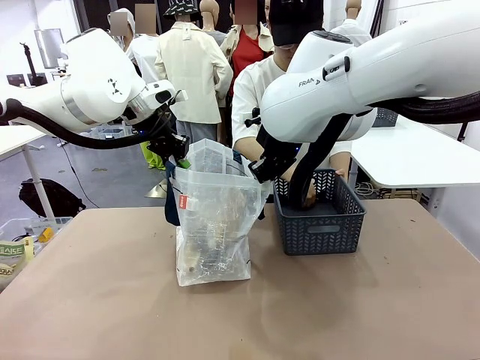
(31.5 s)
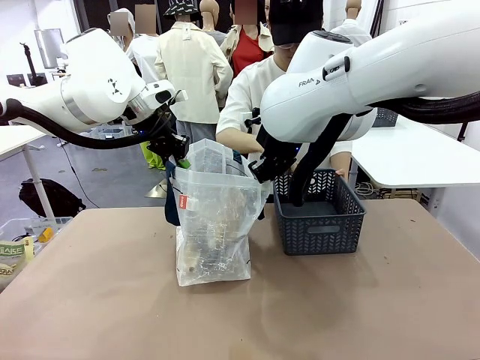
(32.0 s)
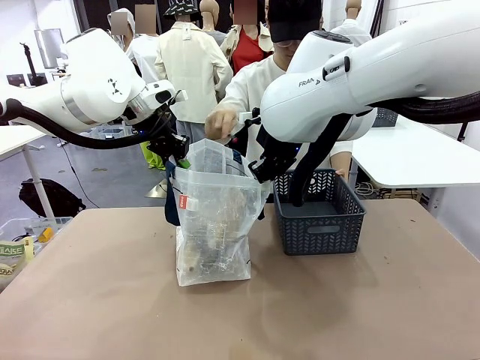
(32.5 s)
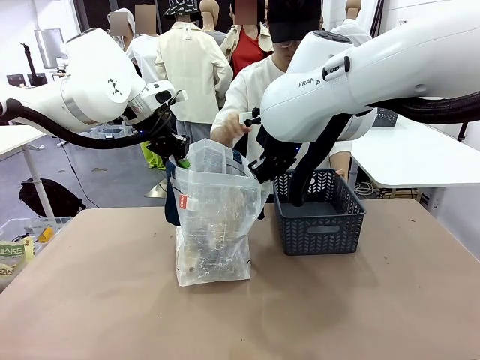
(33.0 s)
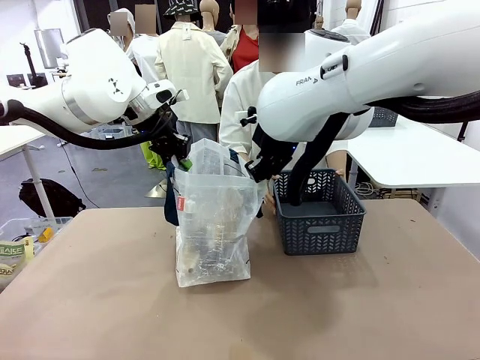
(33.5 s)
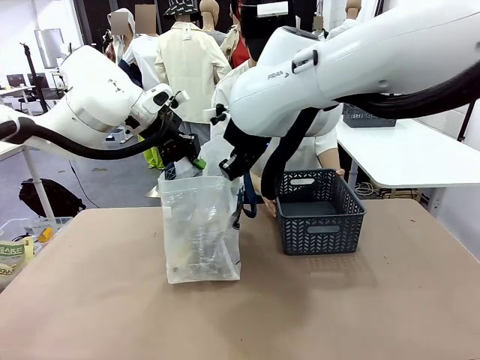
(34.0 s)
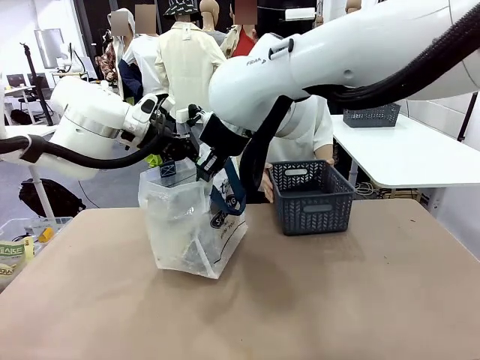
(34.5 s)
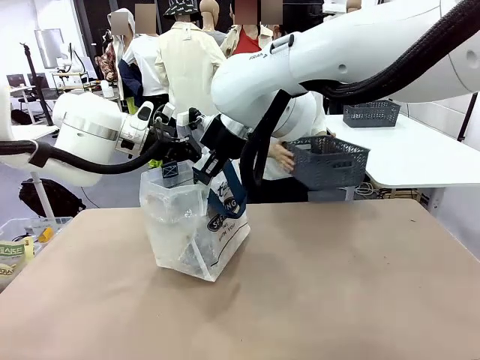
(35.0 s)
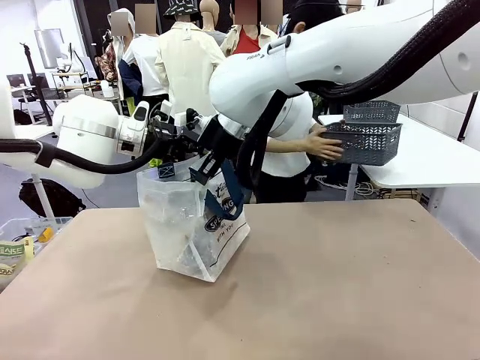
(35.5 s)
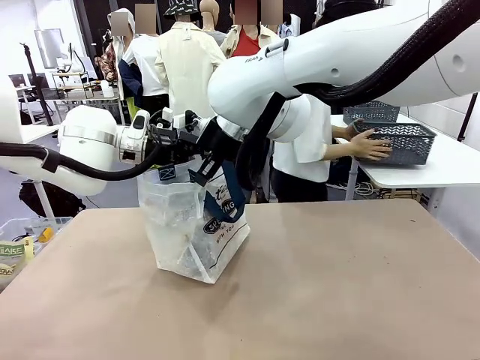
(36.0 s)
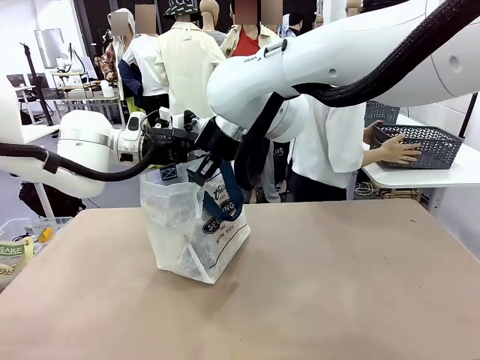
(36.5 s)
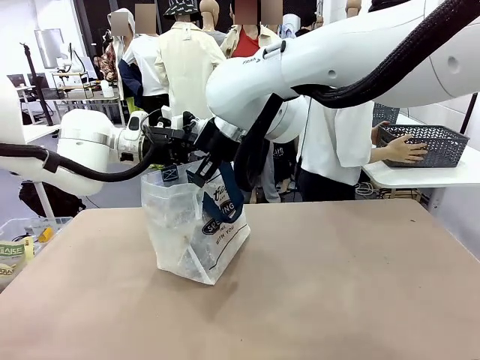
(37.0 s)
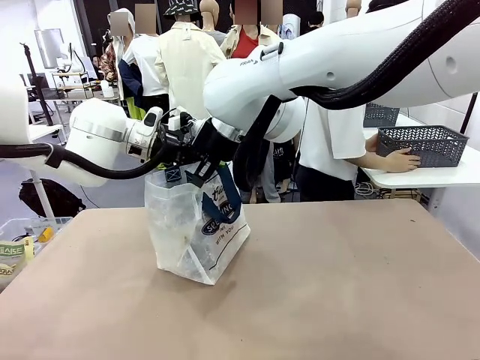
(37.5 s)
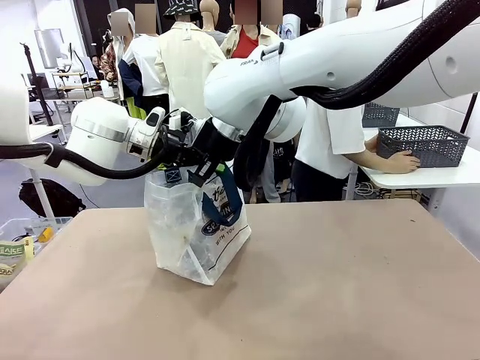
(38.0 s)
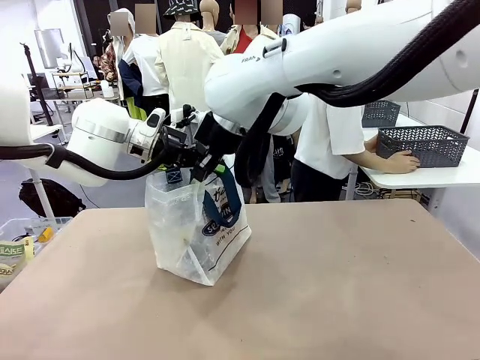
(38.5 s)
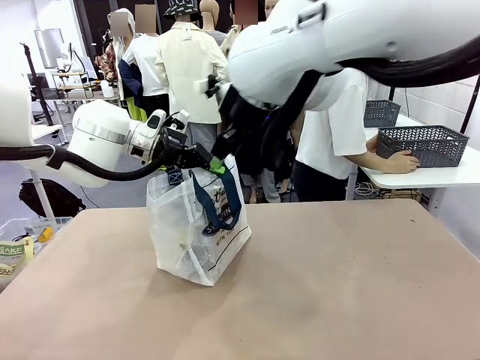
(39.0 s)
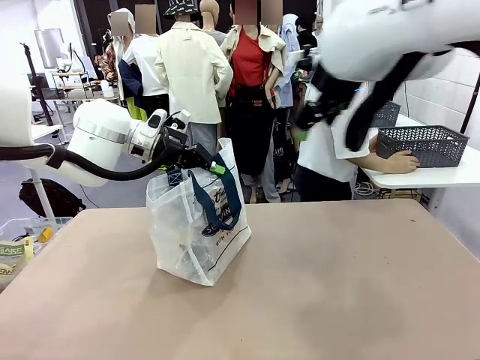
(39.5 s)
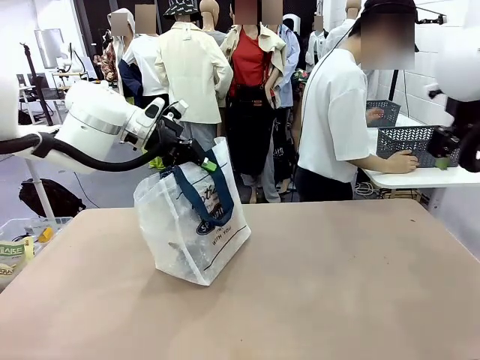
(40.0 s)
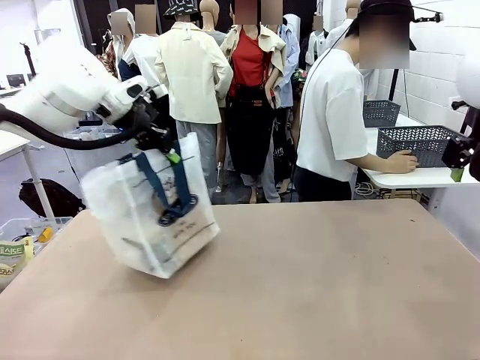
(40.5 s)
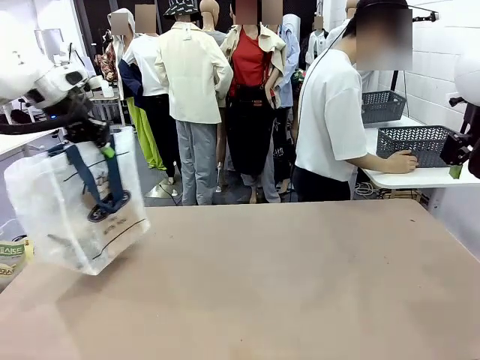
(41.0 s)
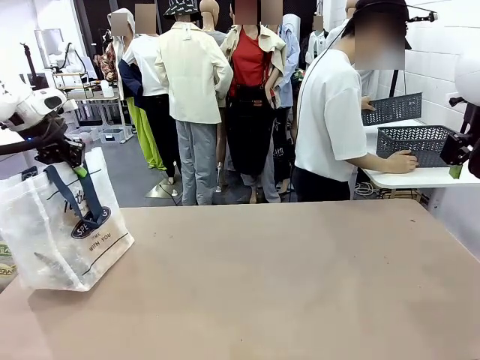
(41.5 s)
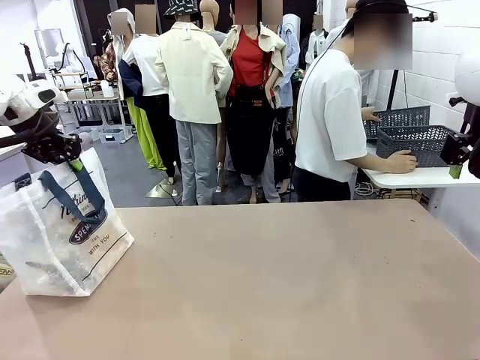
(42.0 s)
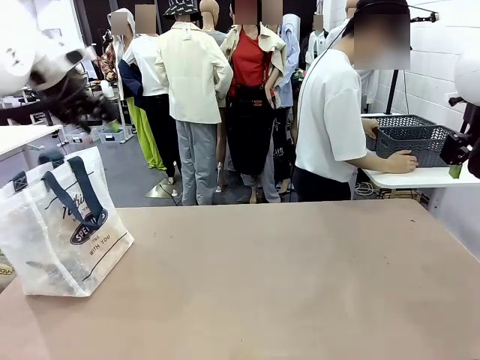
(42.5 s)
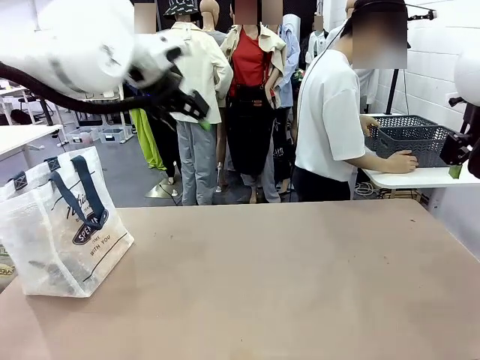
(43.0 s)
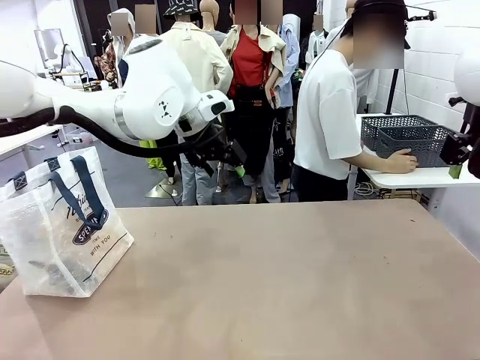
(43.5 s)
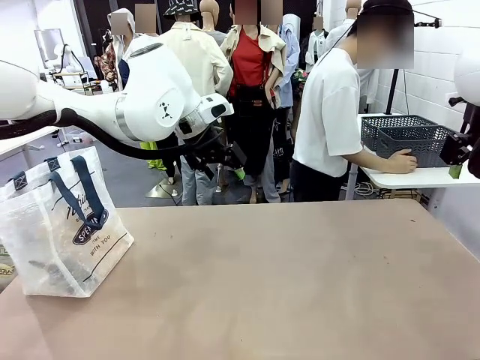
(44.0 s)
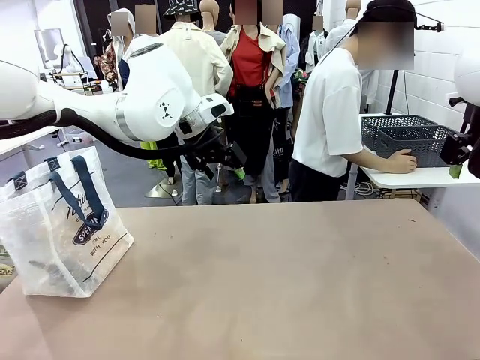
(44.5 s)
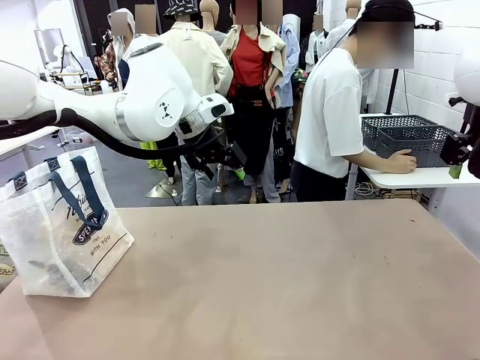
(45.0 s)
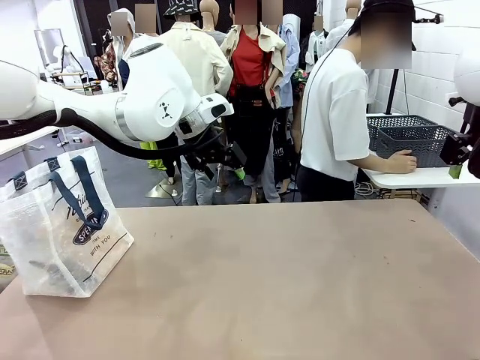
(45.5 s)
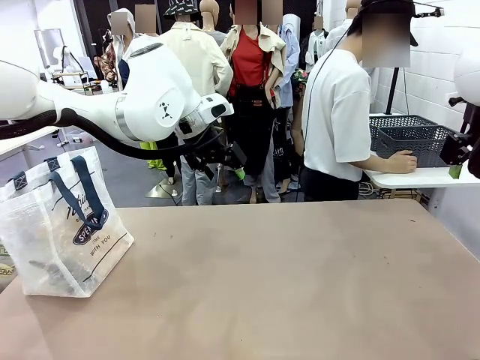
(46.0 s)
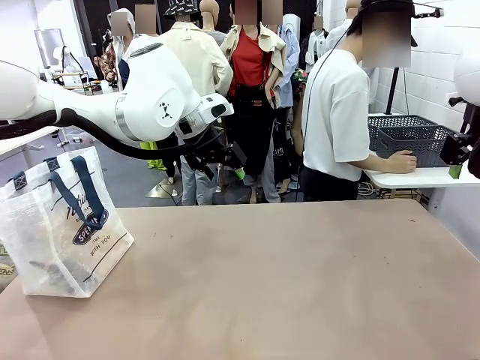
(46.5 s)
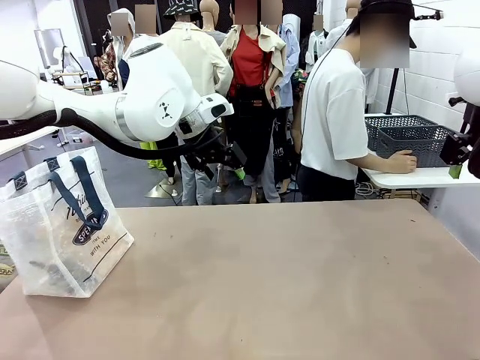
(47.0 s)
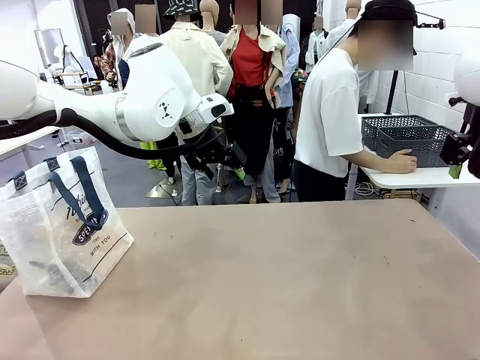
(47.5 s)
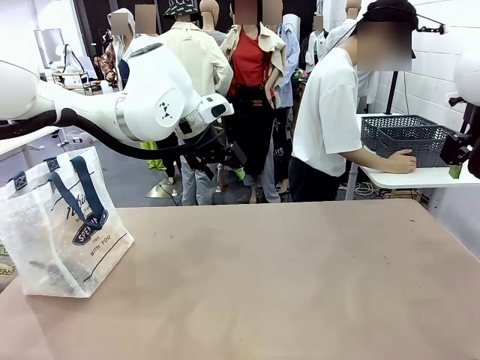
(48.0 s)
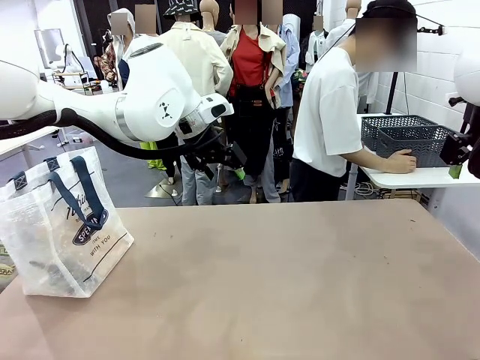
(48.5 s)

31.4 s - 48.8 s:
Task: Transfer purchased items from the store into the shopping bag.
Robot: Move the Reusable shopping bag to the right side of the table.
Person: Pick up the basket with the items out and place it on the right side of the human table. Move the basket on the left to the middle of the person's table.

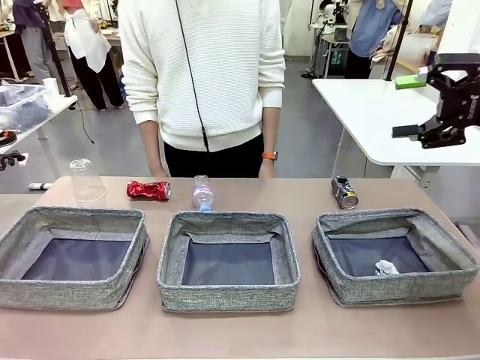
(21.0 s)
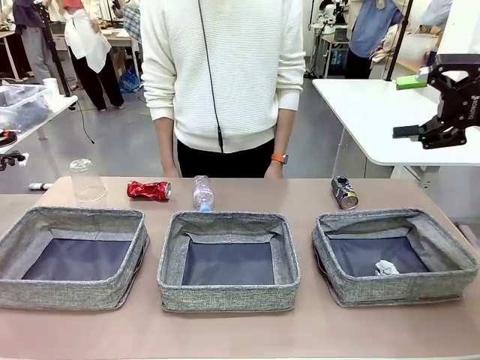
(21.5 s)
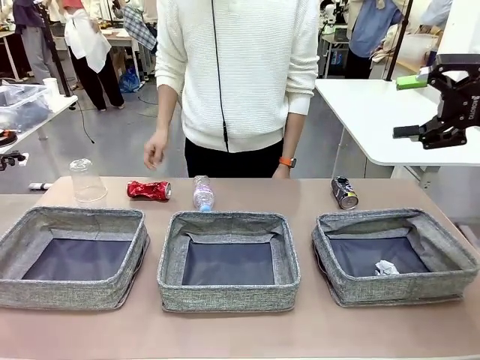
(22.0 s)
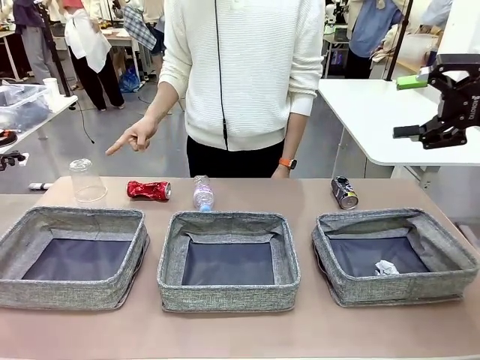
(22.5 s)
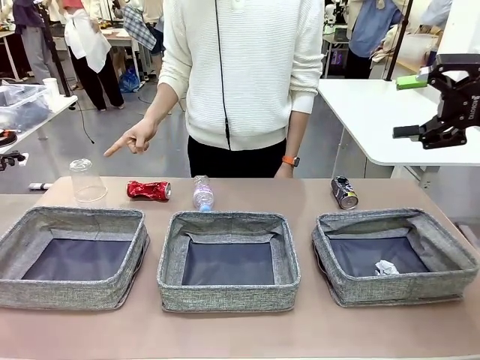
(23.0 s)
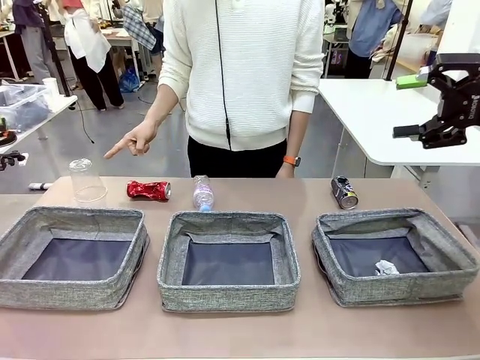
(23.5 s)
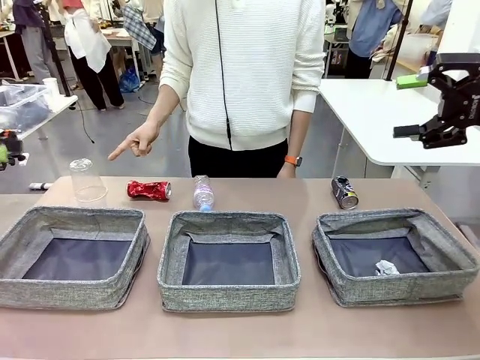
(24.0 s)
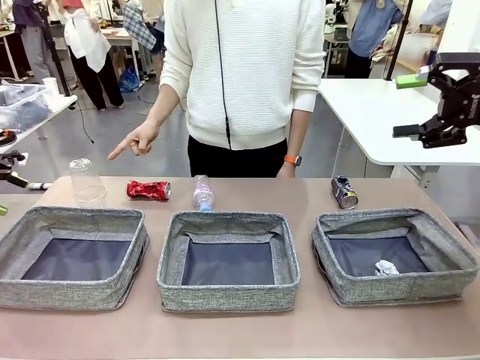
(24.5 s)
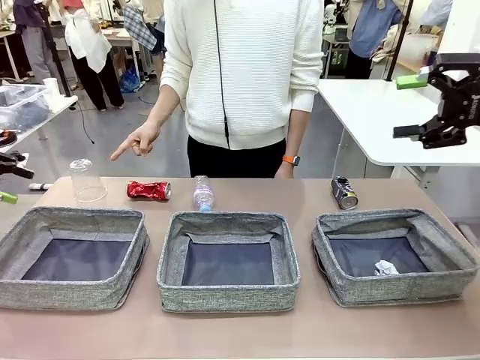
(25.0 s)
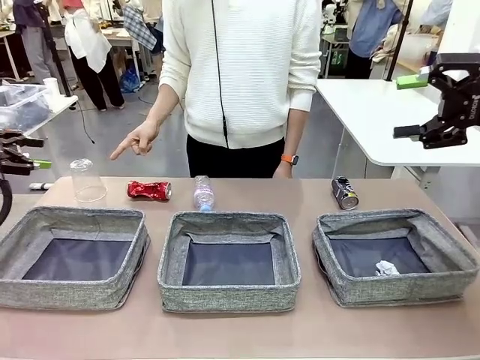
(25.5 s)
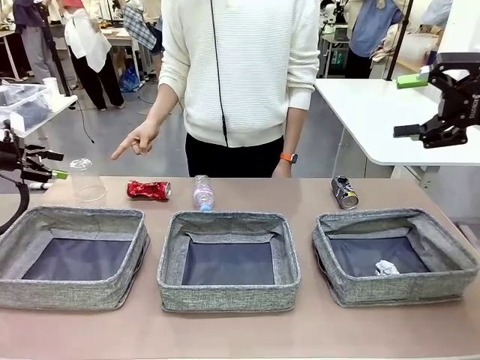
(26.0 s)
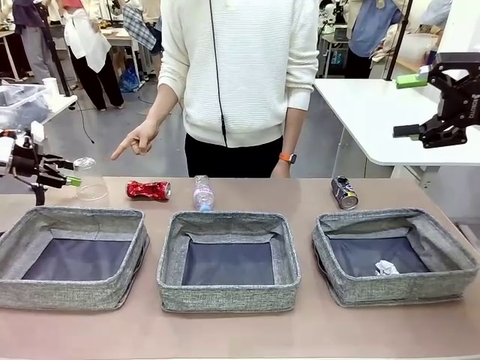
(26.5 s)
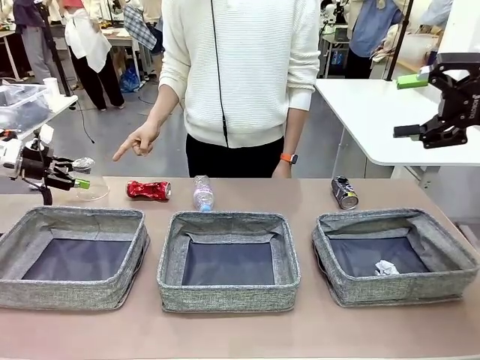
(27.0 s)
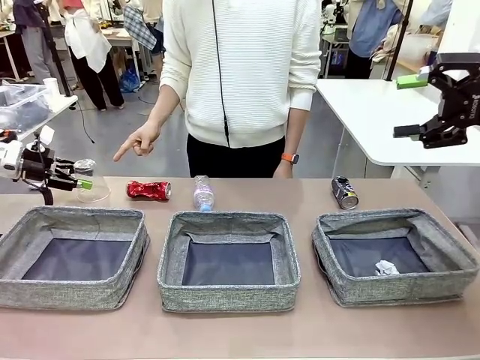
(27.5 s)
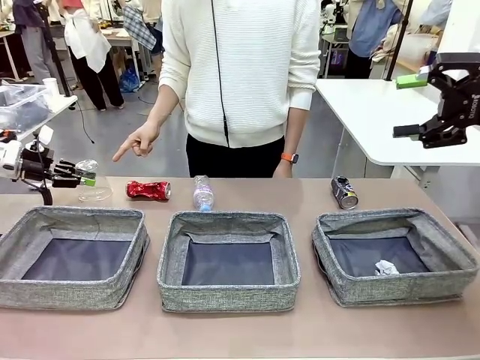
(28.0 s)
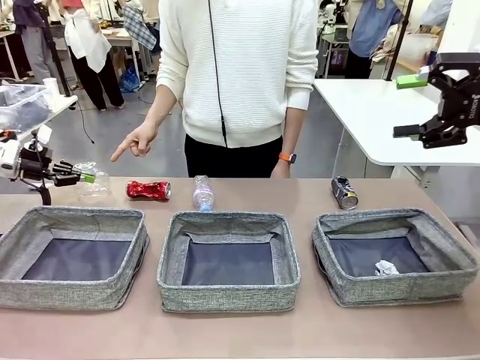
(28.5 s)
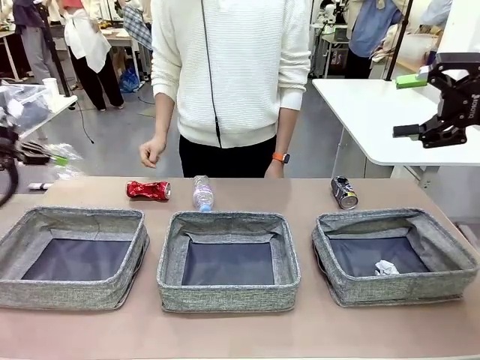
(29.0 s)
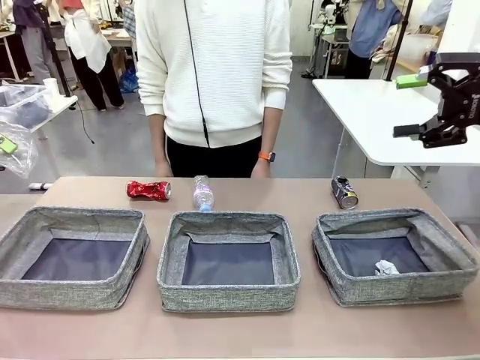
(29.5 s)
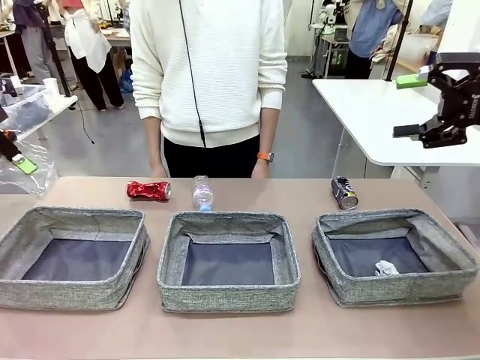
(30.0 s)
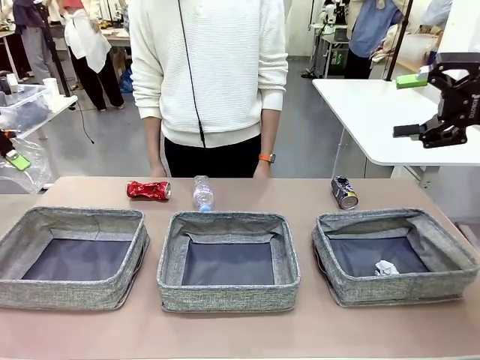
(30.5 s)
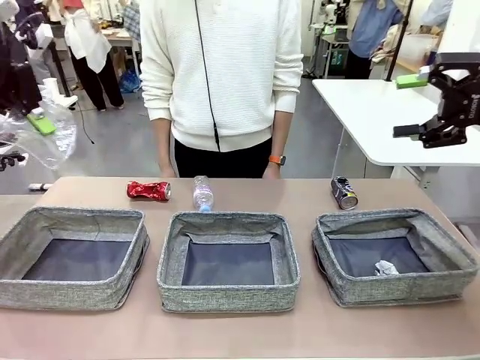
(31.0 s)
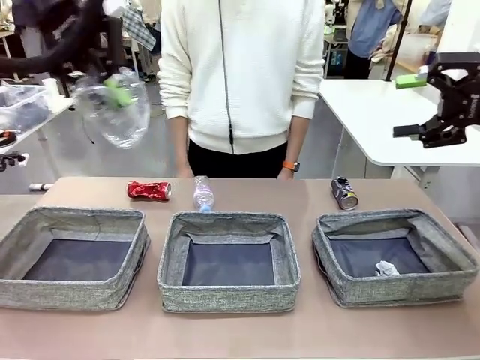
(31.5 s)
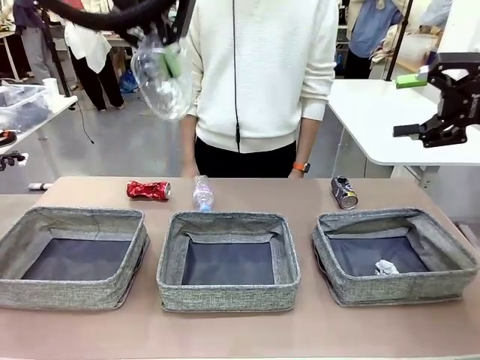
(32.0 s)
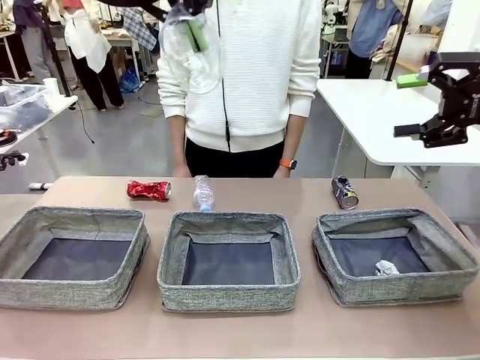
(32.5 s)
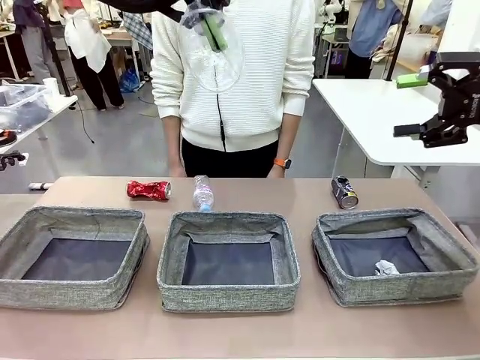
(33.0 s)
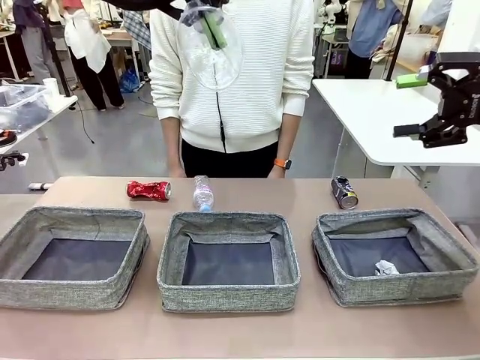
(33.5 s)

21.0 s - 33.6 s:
Task: Sort the waste into the appropriate baskets.
Robot: Pick up the waste item pointed out by the person.
Person: Points to one piece of trash on the table.
